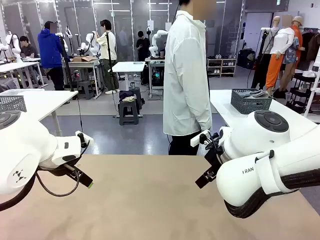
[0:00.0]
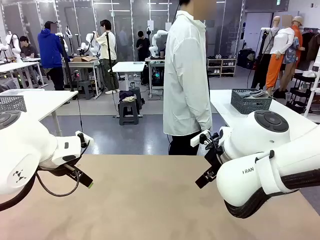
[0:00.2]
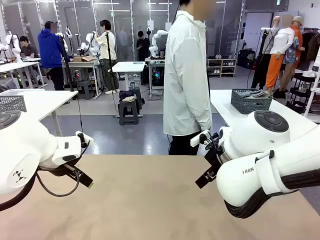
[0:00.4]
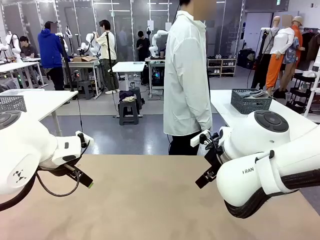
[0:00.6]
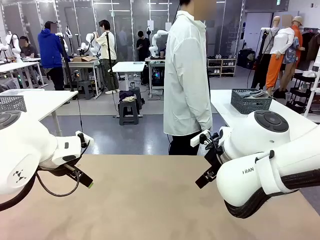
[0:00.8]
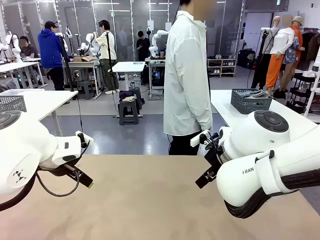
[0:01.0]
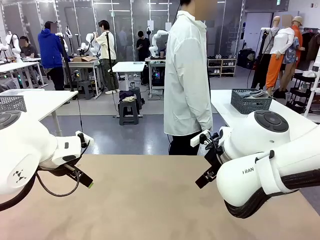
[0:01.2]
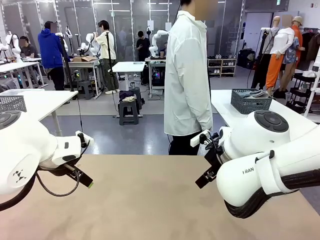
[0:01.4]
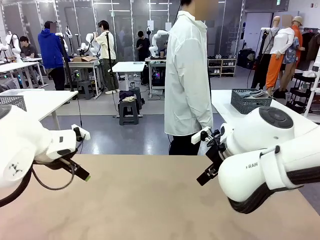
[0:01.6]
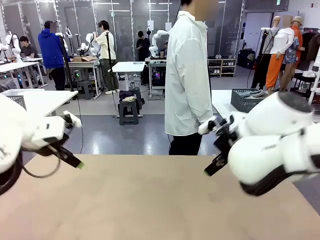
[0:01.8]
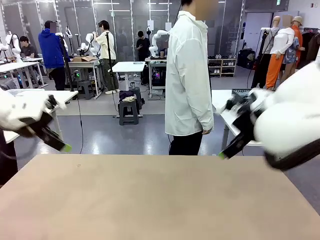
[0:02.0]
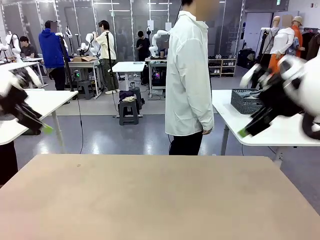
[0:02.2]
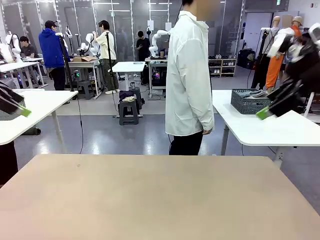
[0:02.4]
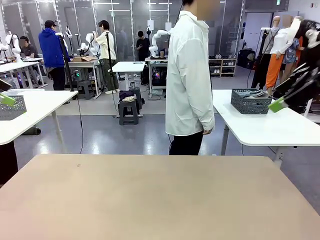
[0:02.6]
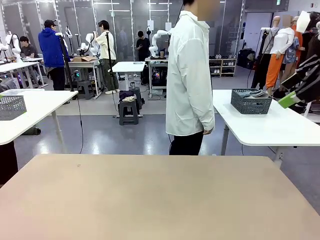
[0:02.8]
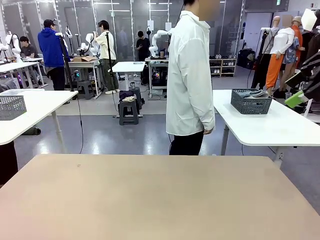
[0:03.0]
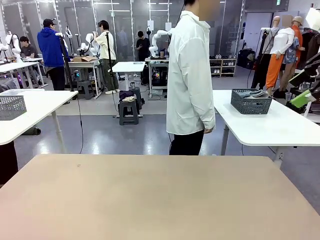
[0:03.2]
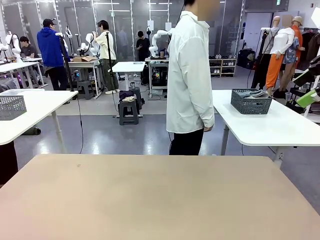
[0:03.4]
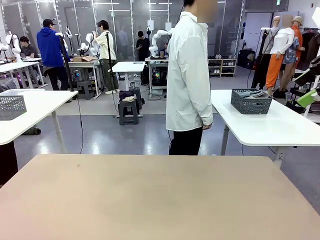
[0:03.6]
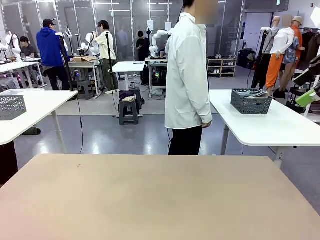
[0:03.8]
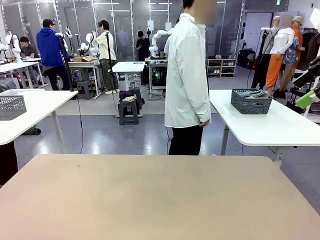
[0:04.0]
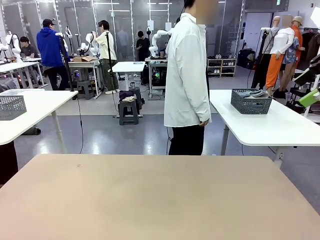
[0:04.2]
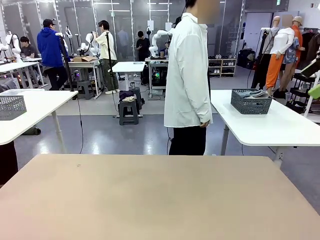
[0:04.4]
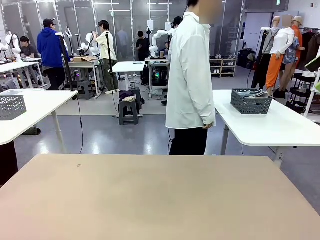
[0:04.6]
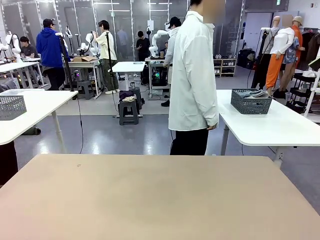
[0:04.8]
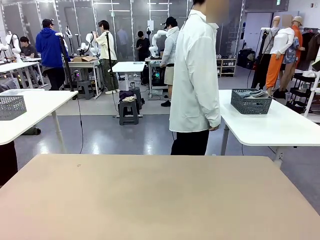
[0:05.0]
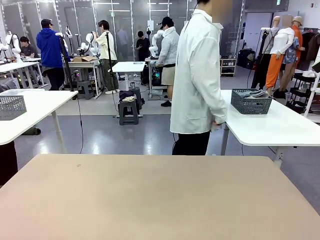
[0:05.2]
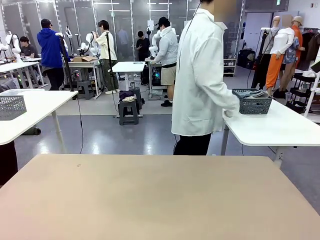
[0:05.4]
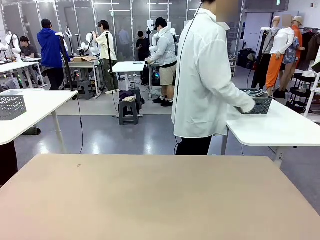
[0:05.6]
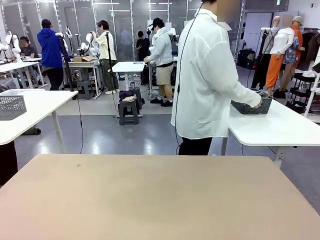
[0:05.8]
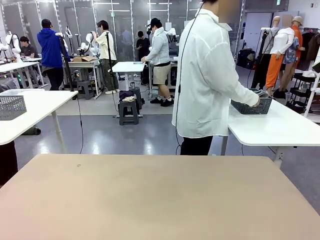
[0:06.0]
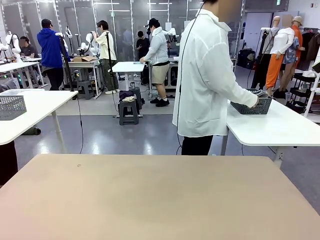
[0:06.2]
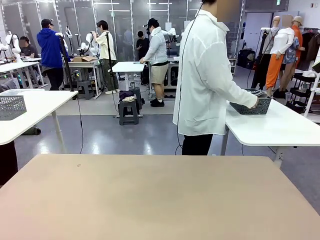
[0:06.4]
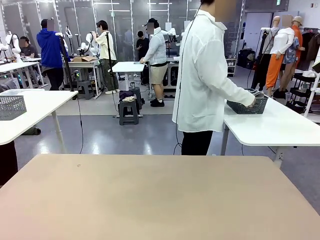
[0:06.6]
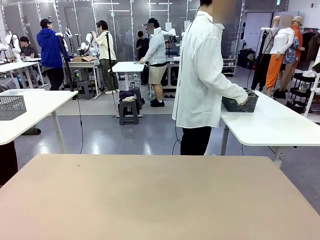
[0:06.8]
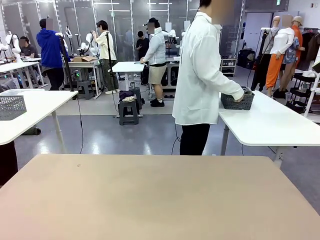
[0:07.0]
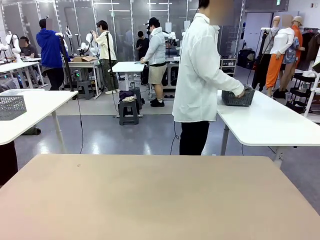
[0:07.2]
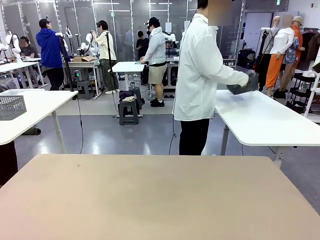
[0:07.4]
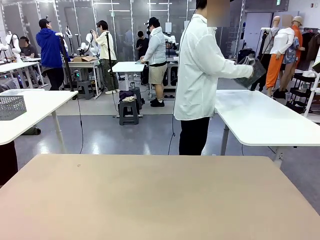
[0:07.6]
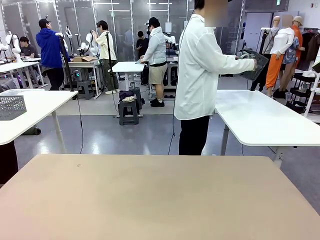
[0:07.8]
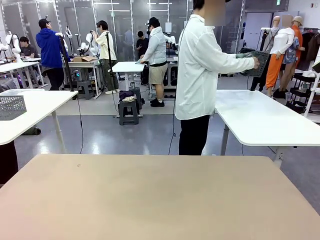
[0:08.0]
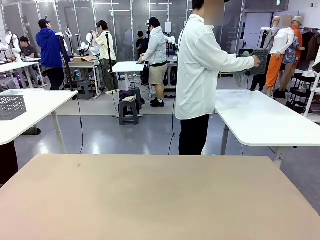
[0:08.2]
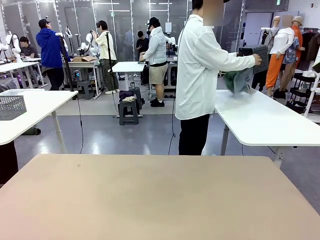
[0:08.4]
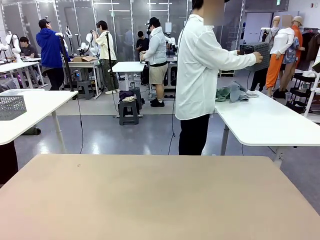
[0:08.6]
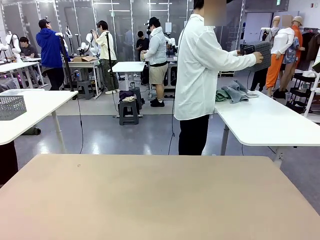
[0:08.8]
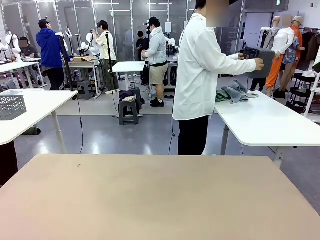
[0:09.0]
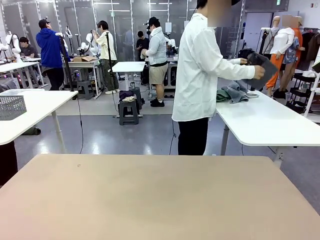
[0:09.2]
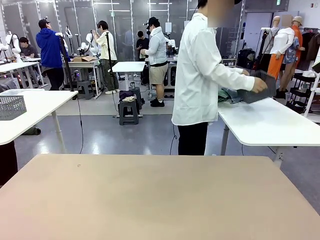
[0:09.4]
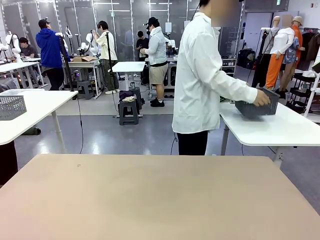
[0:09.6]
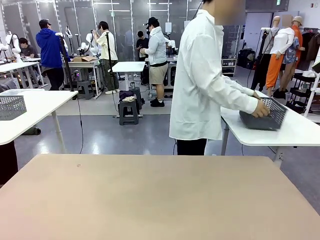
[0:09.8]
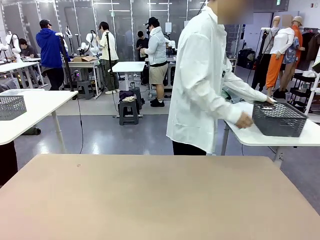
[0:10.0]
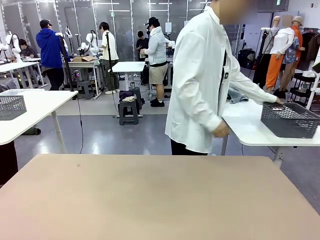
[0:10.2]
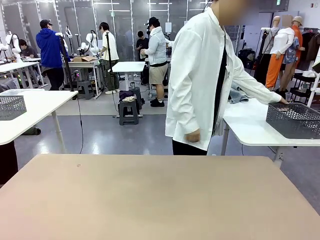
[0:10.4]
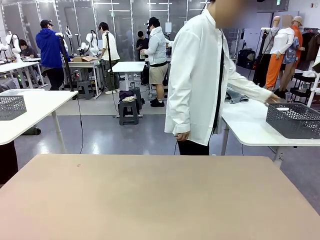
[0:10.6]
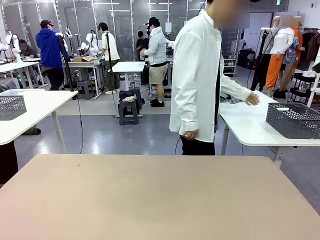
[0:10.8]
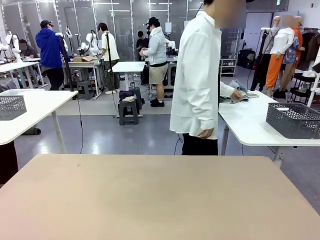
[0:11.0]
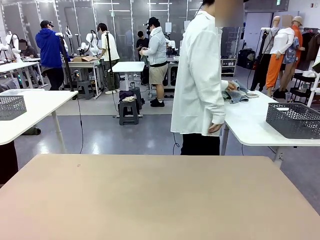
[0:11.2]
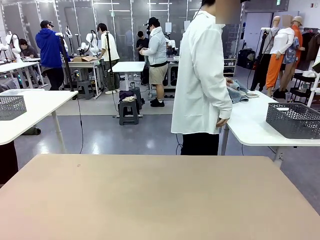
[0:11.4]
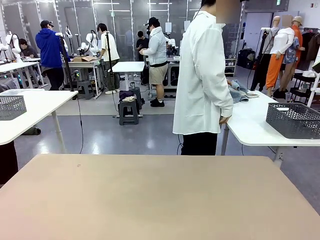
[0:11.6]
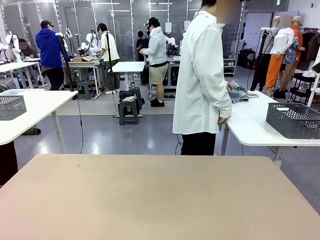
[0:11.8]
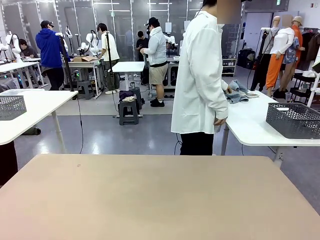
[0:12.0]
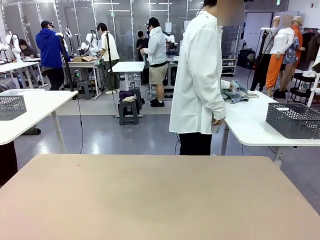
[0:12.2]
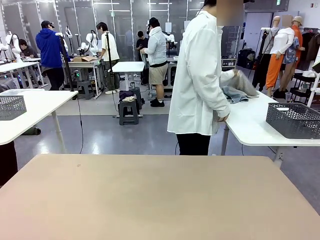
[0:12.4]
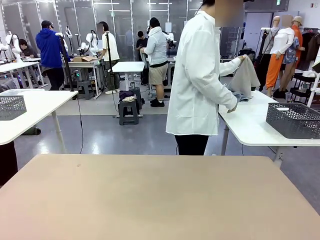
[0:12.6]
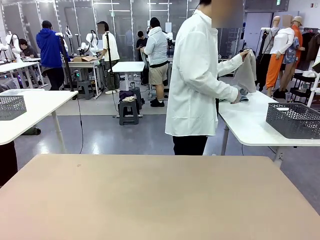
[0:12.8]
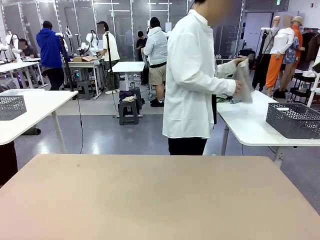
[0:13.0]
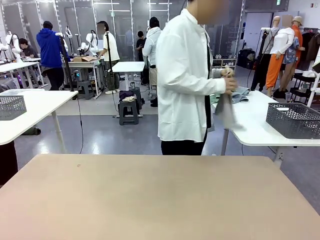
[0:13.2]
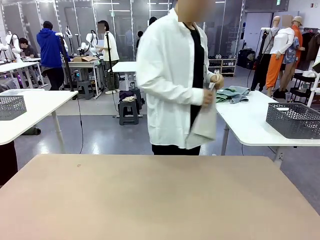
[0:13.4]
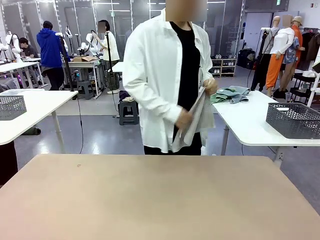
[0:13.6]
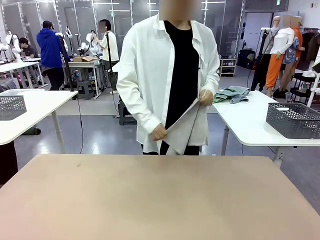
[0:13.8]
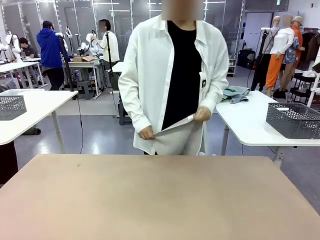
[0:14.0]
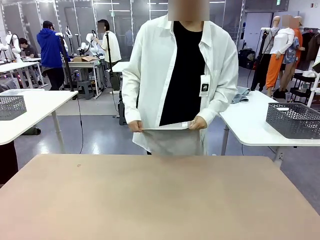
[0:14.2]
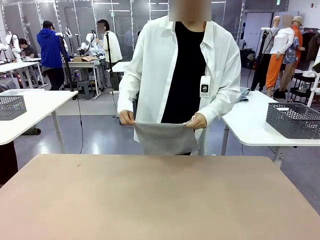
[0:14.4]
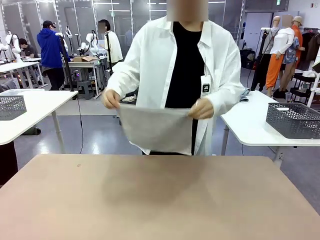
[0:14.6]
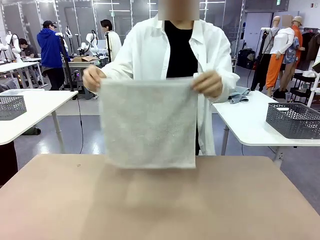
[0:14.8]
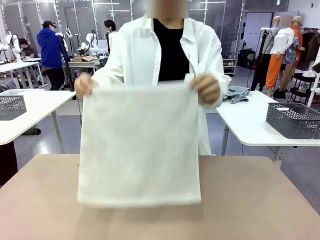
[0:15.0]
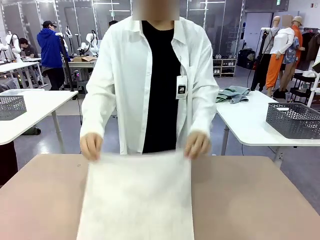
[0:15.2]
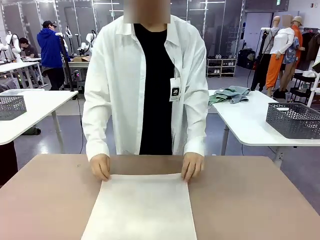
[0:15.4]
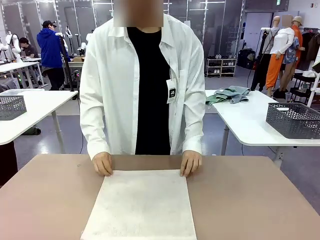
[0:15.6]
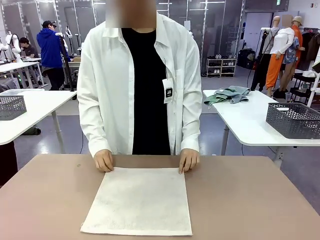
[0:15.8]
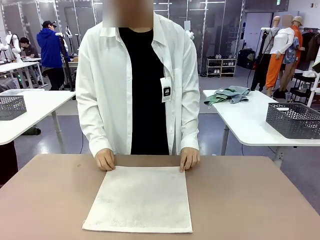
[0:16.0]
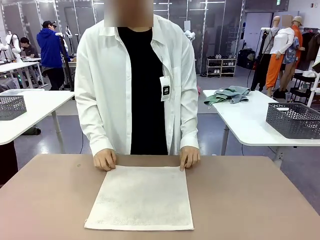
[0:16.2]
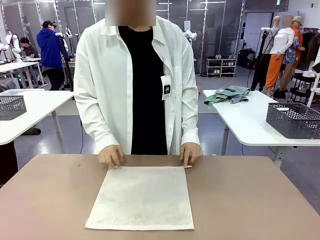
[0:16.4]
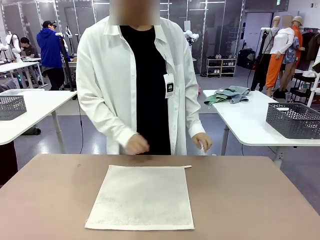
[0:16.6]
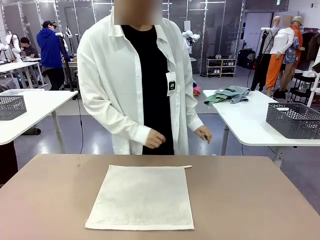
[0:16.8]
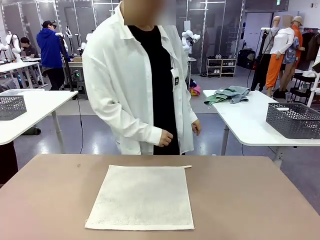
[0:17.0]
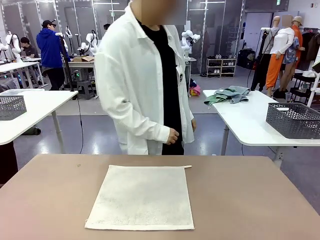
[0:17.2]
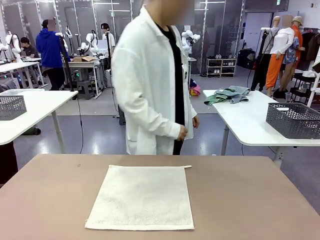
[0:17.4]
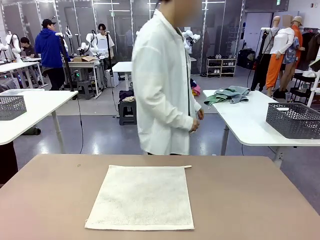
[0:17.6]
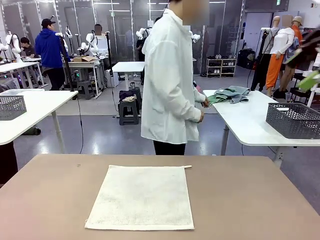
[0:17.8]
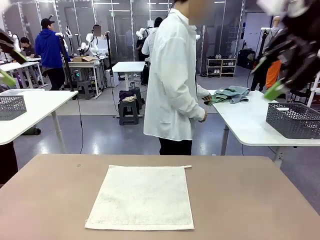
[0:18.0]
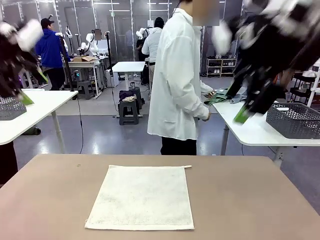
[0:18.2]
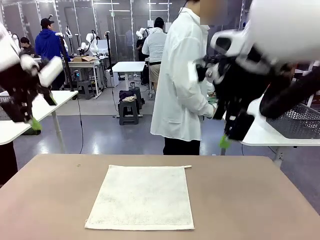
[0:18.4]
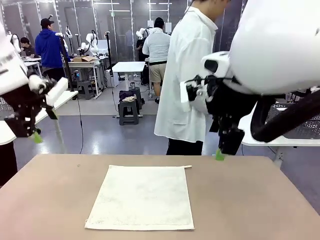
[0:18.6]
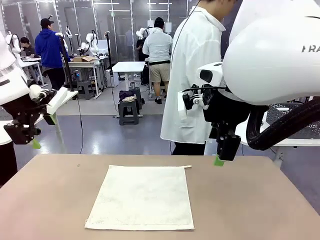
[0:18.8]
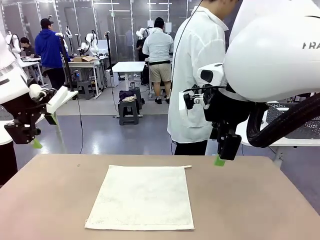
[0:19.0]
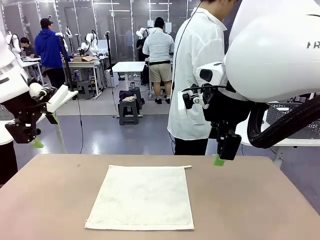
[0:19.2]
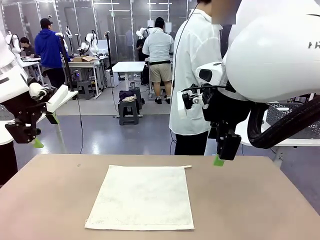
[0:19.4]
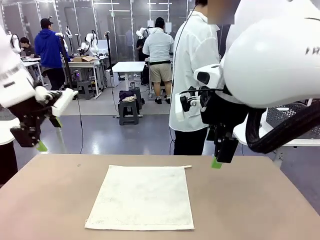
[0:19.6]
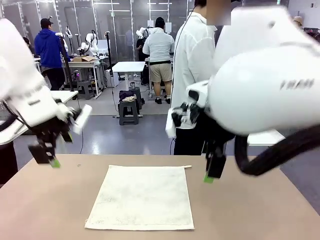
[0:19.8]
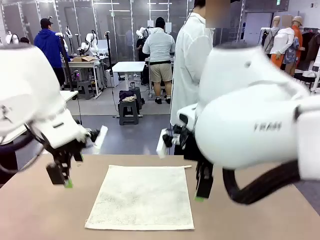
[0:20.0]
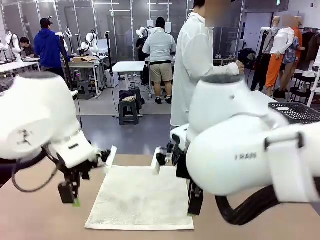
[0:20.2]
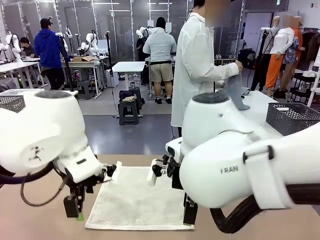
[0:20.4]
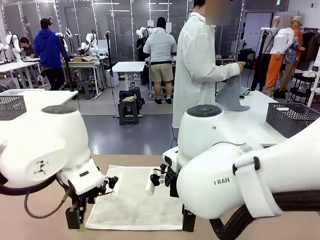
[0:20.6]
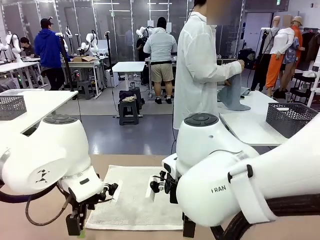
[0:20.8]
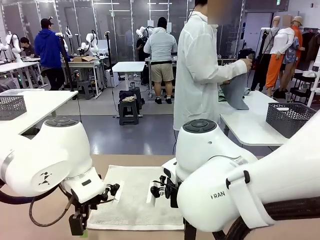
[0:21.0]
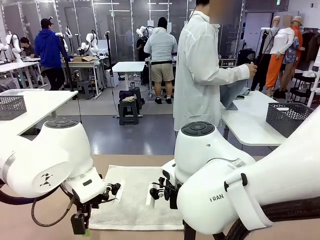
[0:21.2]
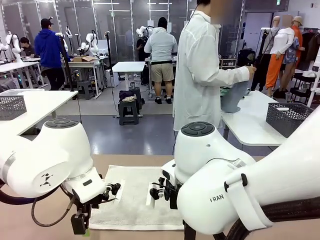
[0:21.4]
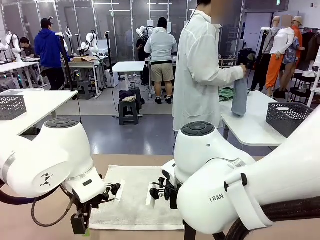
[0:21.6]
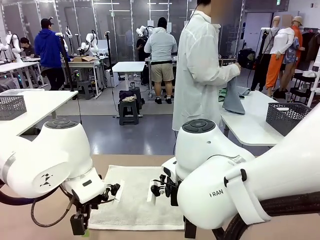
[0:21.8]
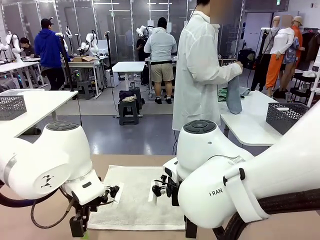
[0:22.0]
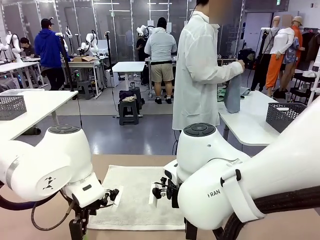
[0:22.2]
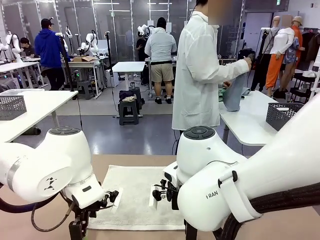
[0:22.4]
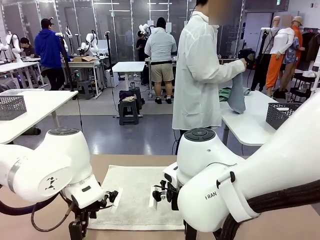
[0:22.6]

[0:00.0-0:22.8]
Task: Fold the towels and place them in the basket.
Robot: When a person lays out a Towel with hook on the table, fold it in half twice.
Person: Pick up the basket, pour the towels onto the left side of the human table, and place the basket on the right side. Pick up one towel and spread it out at the center of the robot table.
